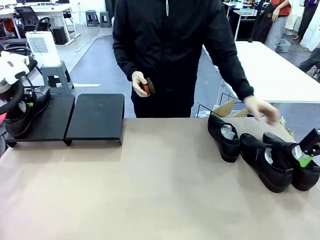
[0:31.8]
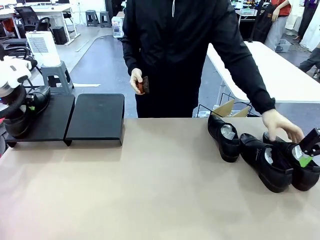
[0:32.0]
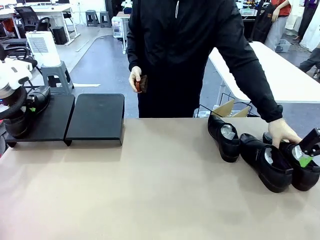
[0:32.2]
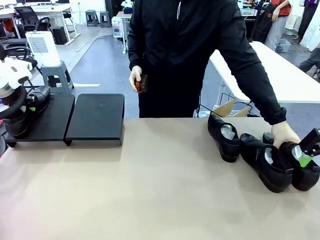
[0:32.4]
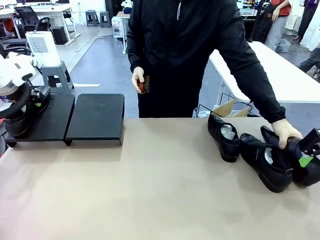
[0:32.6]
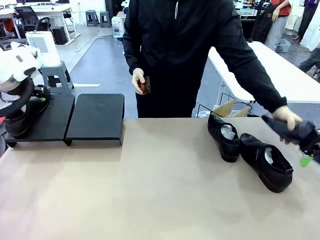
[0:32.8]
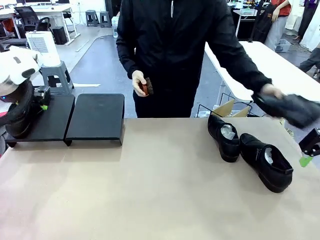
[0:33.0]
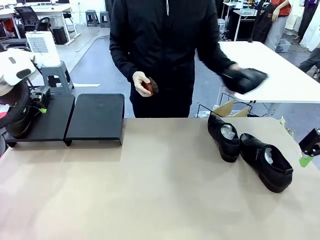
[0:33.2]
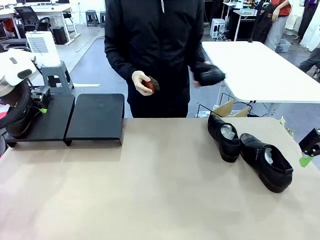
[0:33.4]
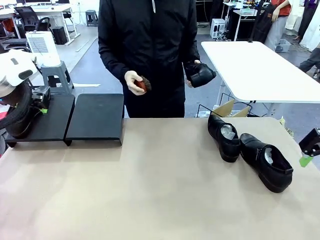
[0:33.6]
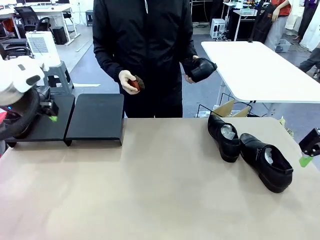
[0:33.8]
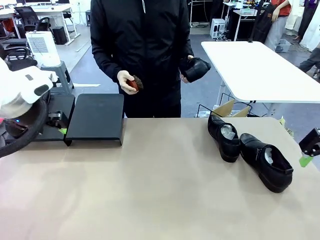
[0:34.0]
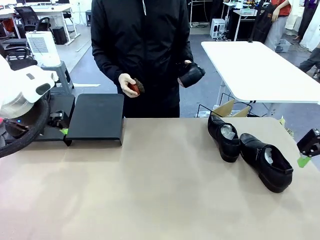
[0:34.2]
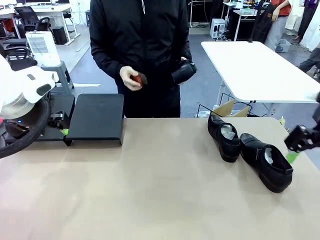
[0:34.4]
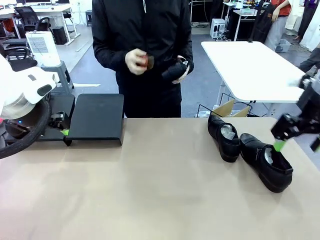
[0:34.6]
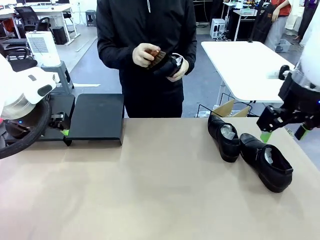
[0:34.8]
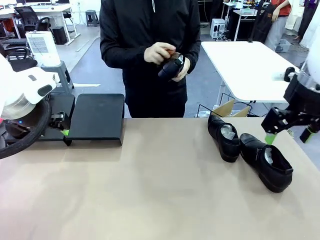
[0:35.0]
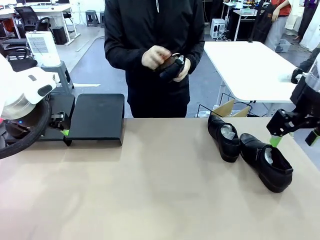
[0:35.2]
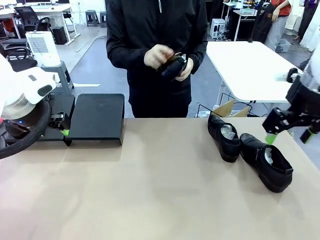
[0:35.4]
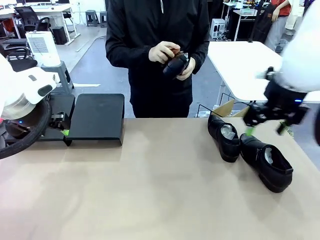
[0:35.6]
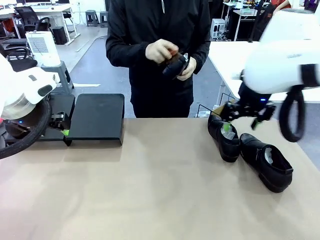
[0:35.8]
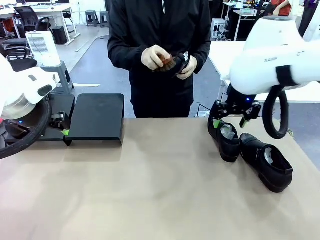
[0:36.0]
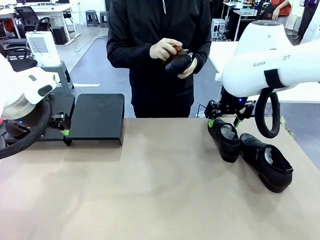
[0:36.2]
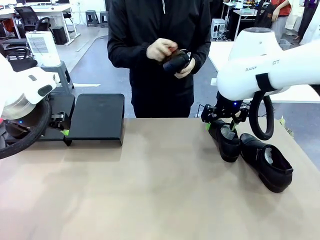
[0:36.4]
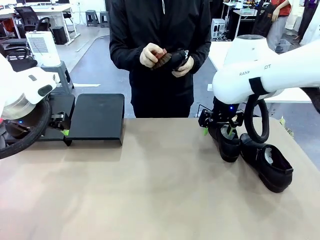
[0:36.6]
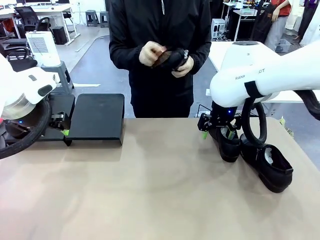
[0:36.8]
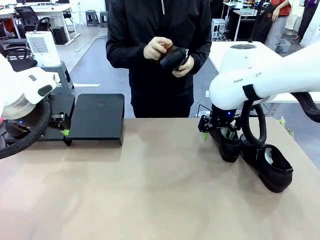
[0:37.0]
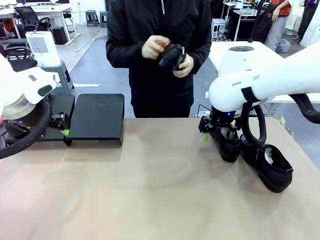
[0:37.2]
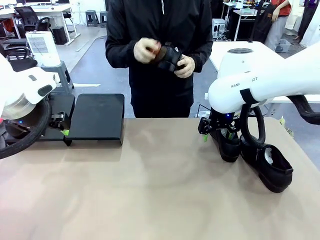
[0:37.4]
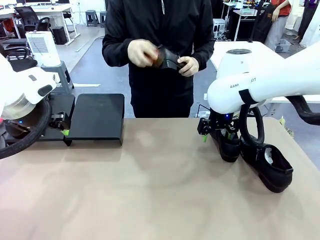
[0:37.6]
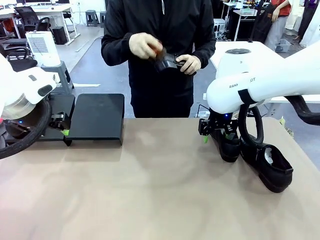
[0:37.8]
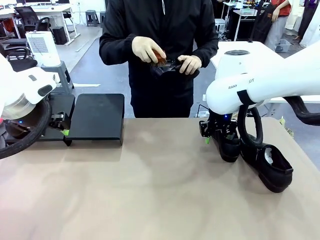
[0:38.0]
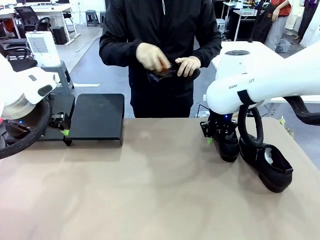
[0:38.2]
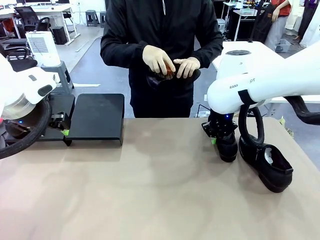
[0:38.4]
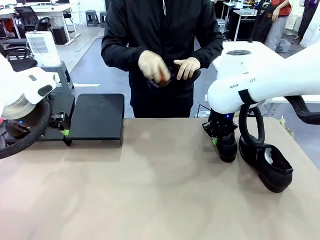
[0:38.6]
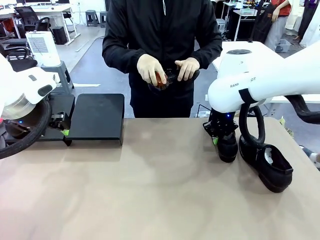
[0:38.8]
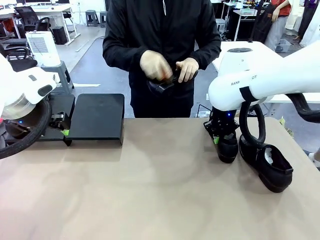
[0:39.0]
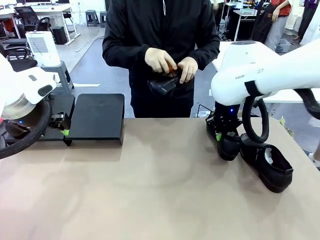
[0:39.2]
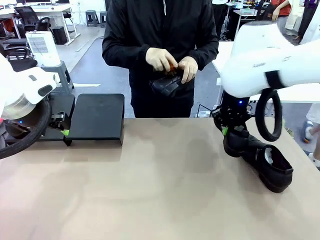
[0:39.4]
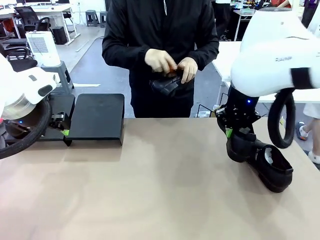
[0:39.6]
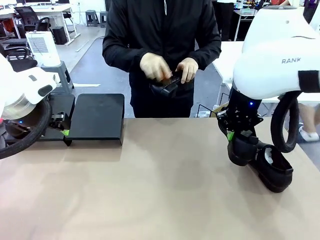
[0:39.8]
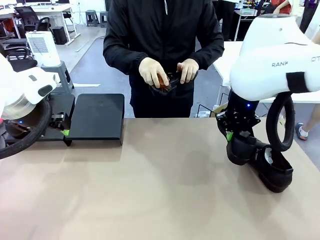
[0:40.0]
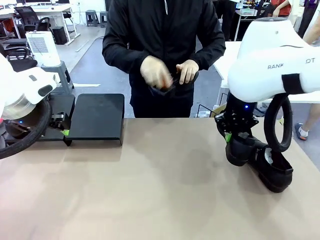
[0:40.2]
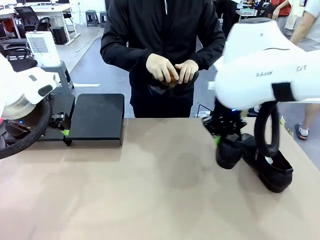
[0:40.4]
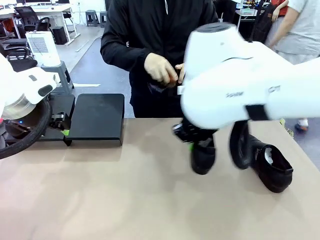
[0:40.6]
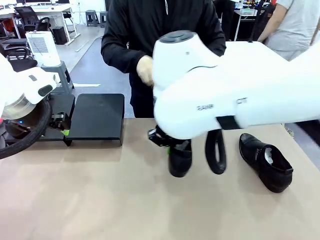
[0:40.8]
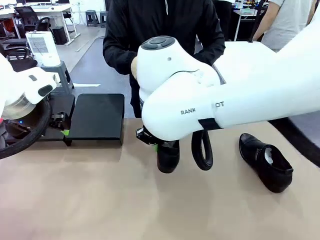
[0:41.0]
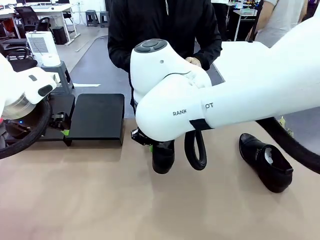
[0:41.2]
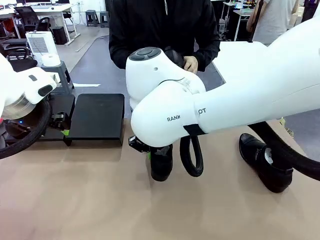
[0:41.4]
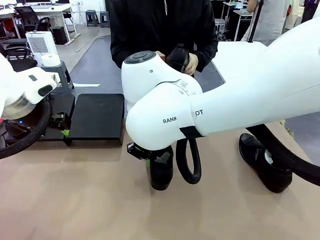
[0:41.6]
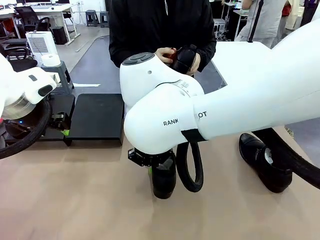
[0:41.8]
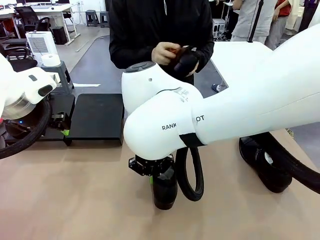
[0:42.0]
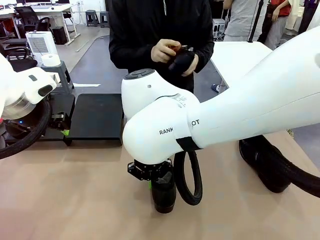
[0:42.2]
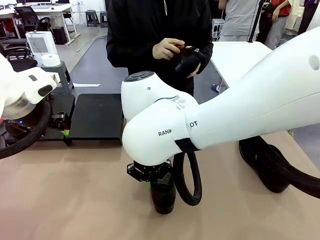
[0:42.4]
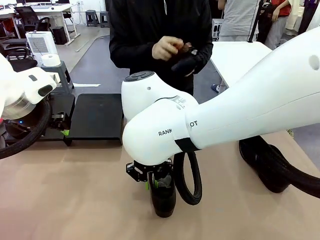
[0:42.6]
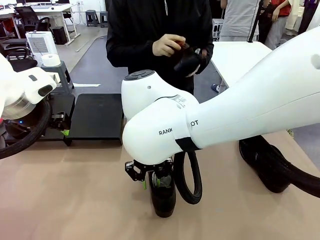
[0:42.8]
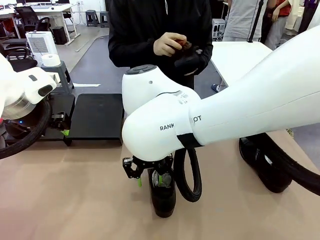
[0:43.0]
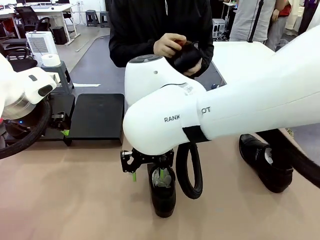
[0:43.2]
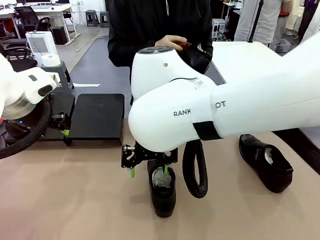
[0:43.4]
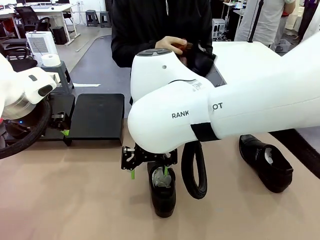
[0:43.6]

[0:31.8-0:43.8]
Task: Organize the shoes by placing them on the stand.
Robot: Pick up one Shoe and place it in the middle of the table.
Person: Pick one Shoe on Robot's table.

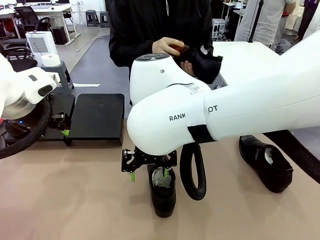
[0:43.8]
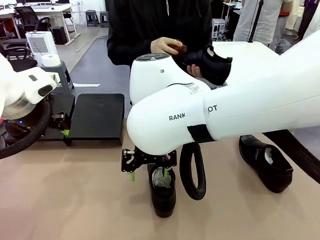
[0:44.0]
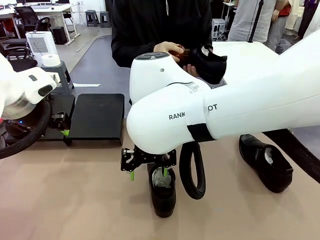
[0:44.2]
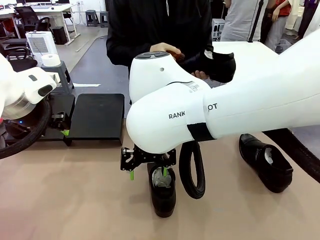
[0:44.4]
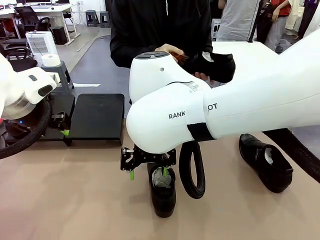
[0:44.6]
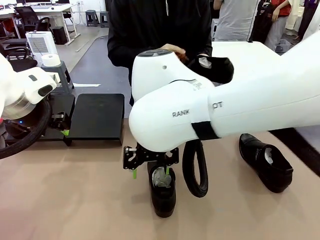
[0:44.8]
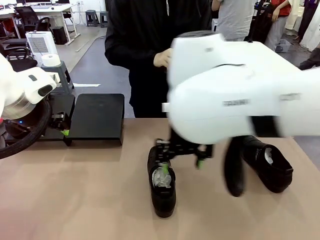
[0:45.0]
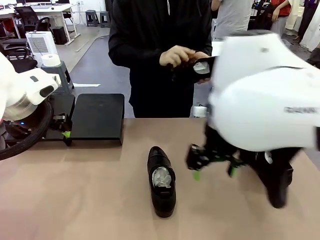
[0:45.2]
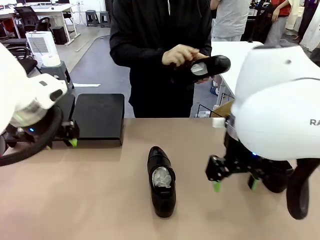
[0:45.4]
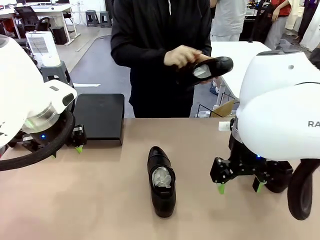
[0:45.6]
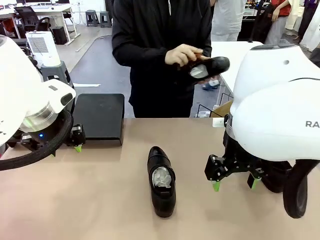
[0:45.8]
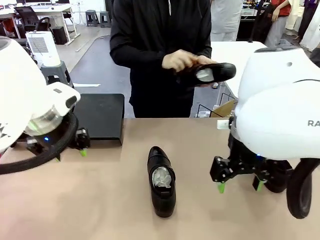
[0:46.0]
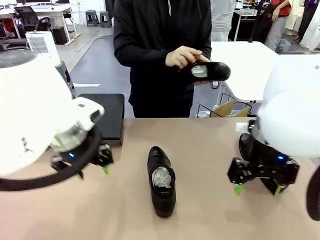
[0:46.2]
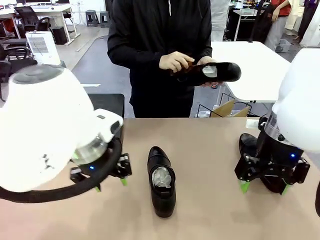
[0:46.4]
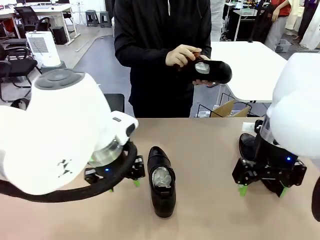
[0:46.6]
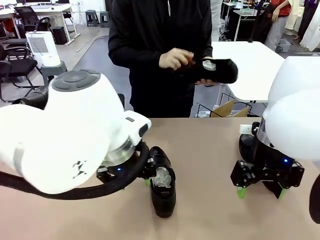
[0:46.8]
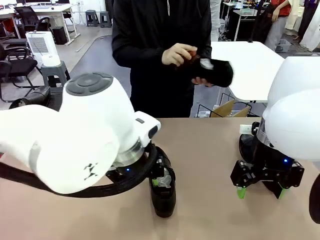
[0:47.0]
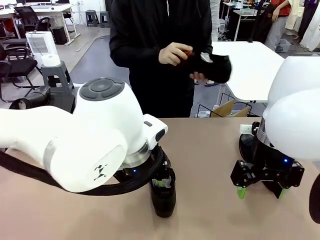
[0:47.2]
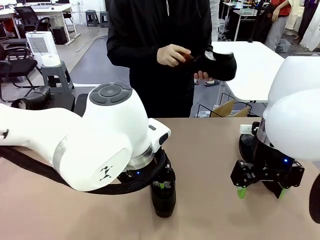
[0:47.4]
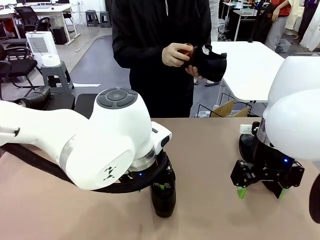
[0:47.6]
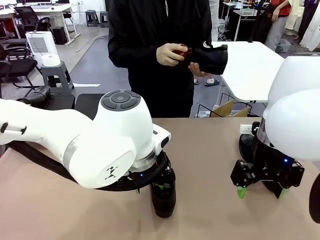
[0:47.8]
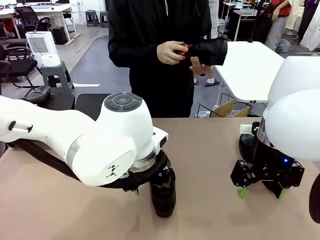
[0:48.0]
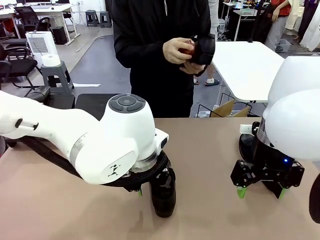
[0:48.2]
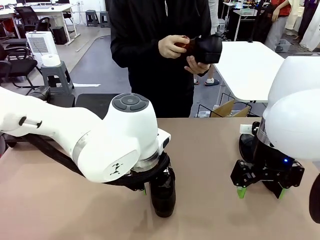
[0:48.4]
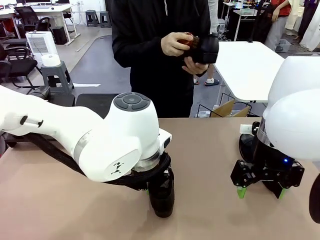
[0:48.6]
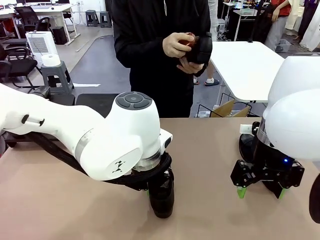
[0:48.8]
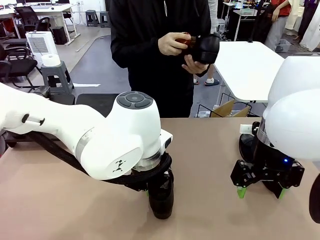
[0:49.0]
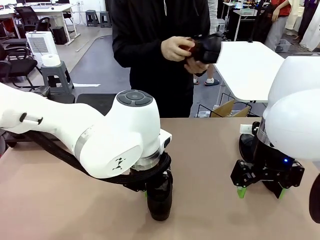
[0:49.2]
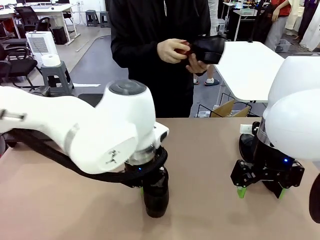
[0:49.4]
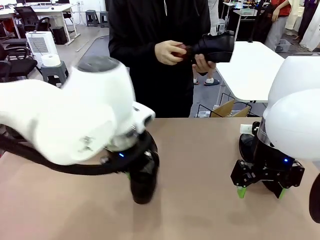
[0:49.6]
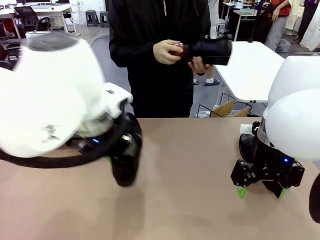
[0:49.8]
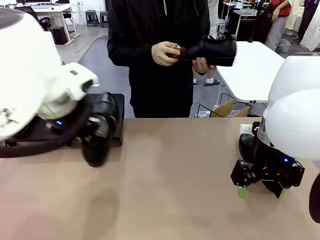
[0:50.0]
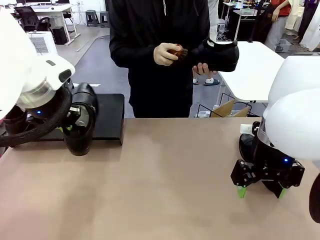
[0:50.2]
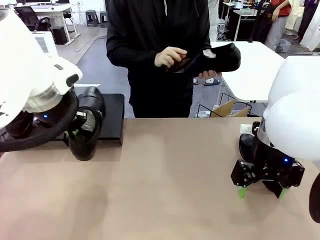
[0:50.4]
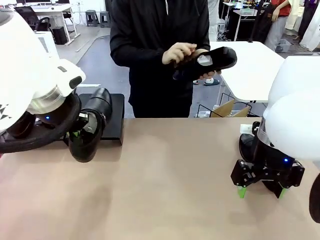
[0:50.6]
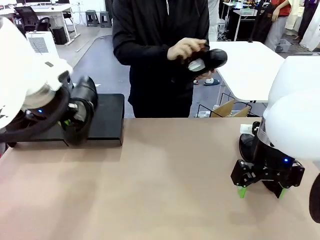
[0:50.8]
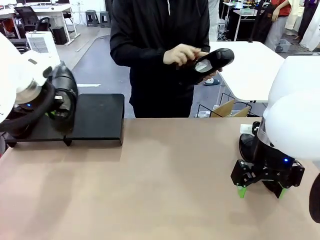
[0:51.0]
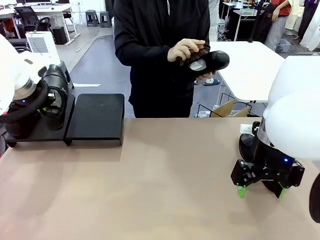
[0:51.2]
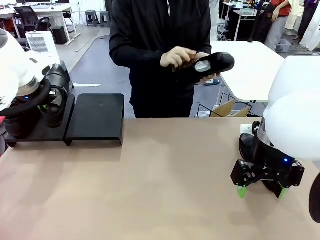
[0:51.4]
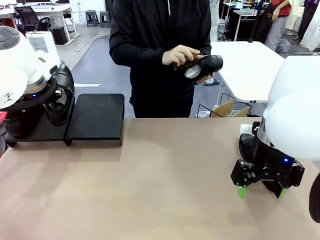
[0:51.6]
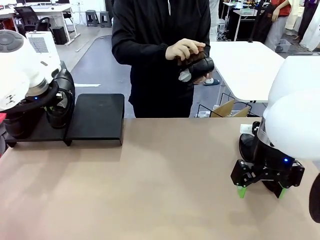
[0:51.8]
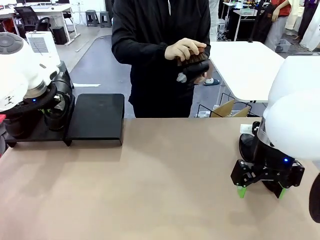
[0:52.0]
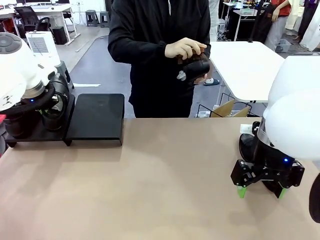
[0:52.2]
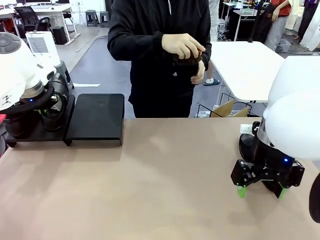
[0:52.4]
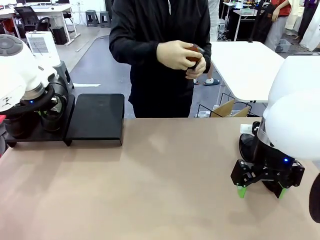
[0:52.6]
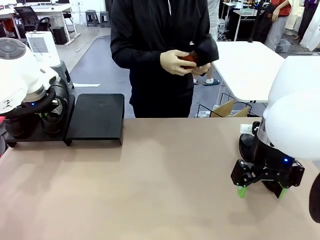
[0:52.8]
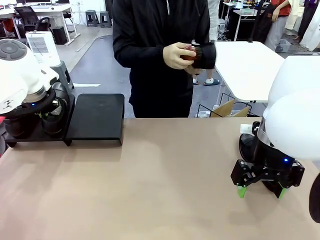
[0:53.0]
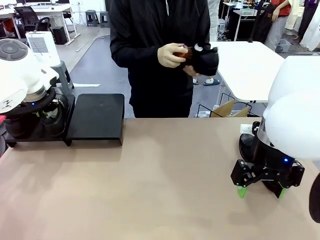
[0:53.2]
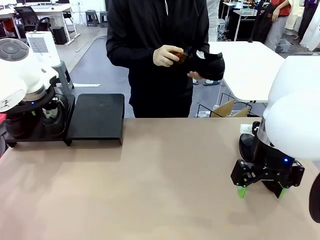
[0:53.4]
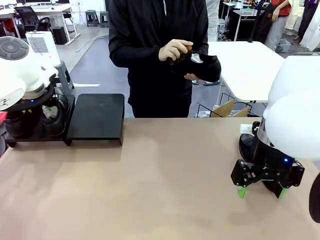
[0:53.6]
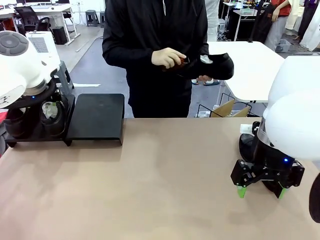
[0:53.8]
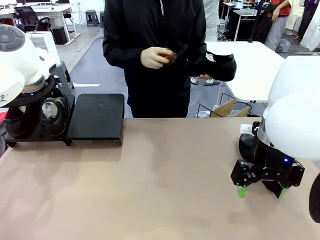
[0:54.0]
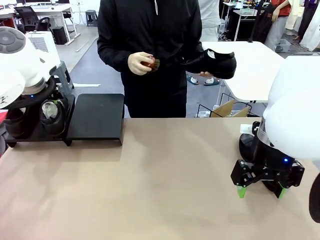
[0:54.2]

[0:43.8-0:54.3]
Robot: Place the Shoe from the middle of the table onto the Shoes Stand.
Person: Clean the Shoe with the Shoe Brush.
